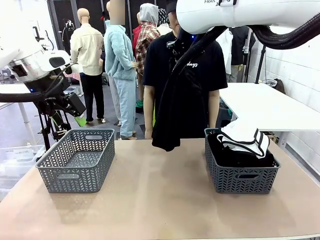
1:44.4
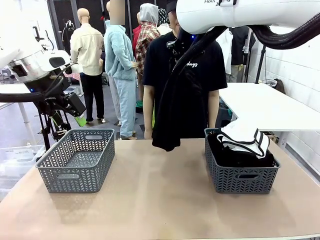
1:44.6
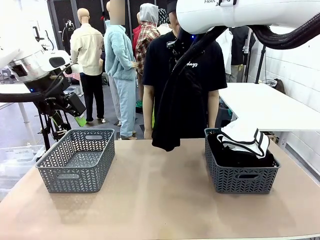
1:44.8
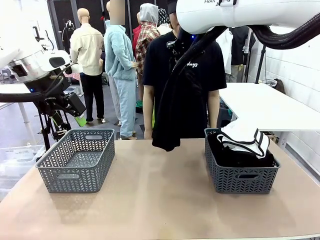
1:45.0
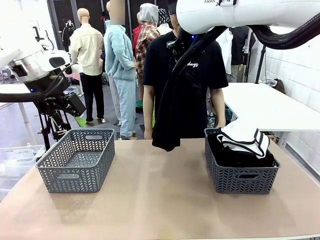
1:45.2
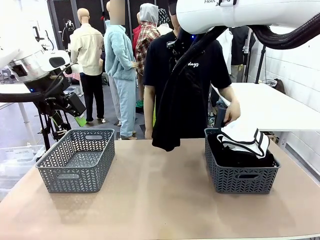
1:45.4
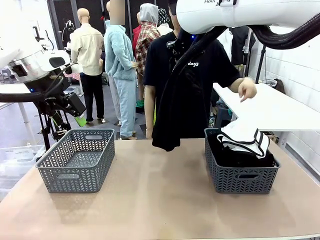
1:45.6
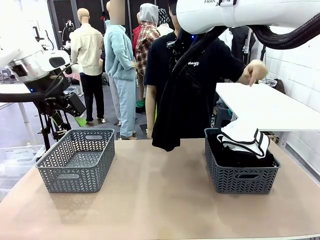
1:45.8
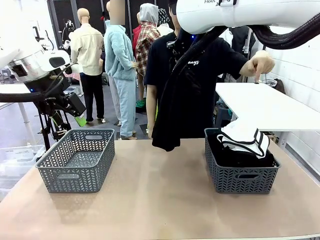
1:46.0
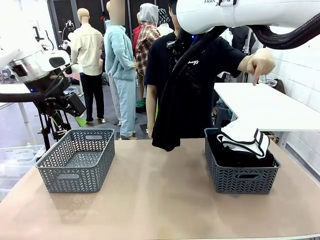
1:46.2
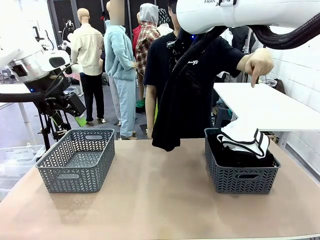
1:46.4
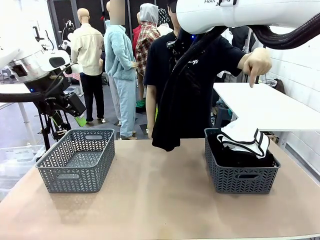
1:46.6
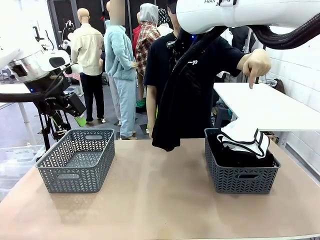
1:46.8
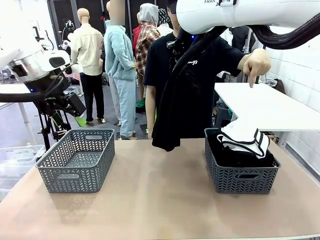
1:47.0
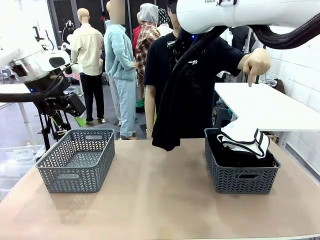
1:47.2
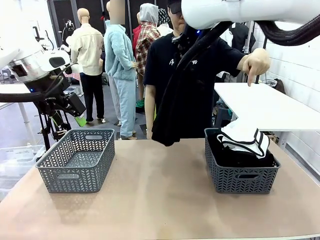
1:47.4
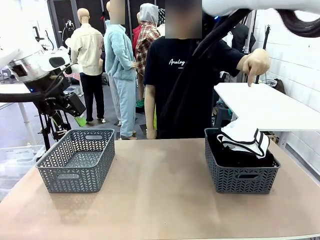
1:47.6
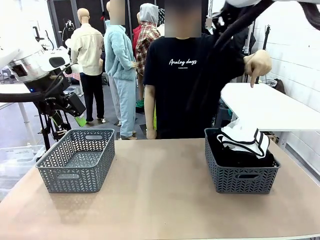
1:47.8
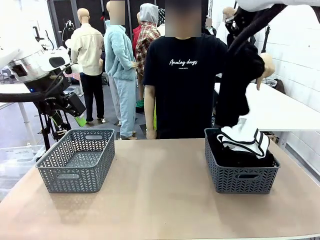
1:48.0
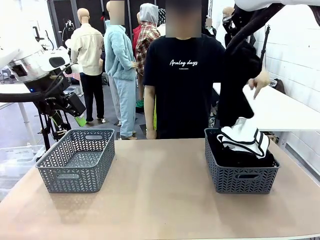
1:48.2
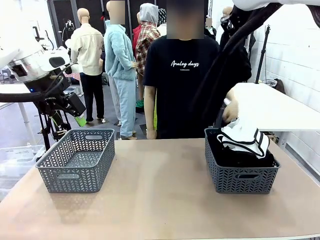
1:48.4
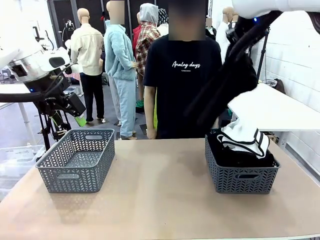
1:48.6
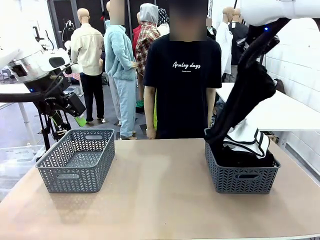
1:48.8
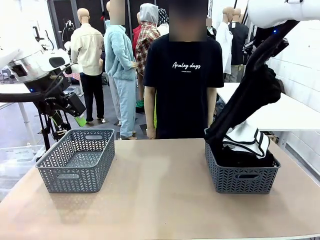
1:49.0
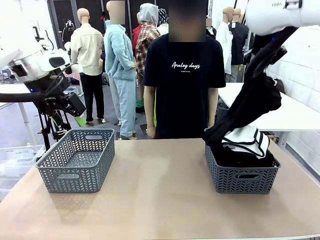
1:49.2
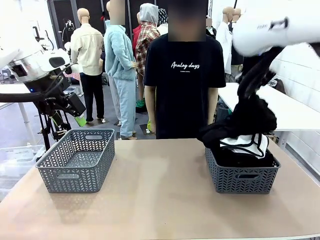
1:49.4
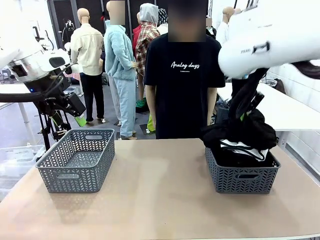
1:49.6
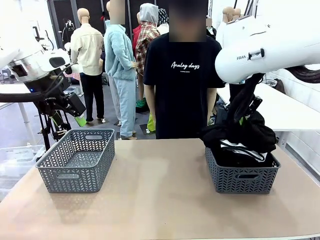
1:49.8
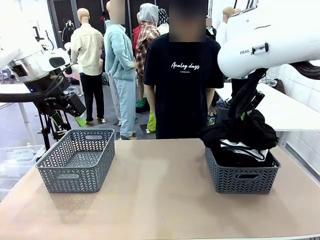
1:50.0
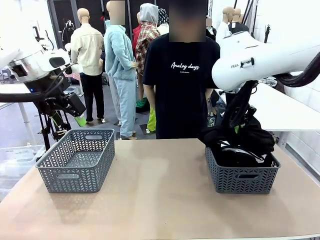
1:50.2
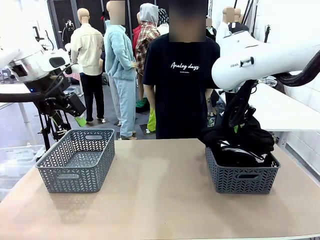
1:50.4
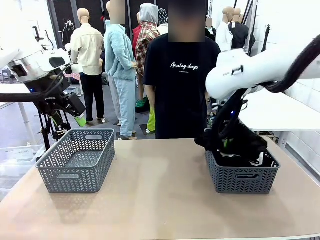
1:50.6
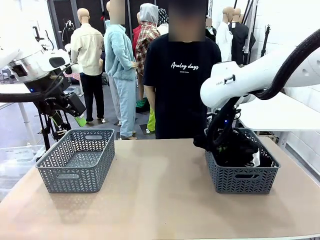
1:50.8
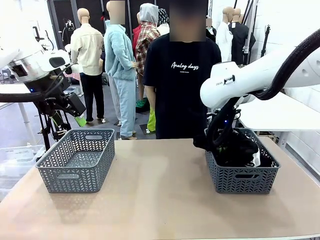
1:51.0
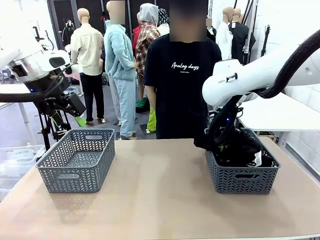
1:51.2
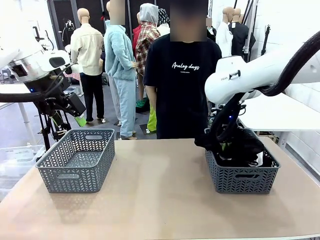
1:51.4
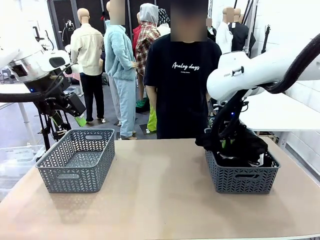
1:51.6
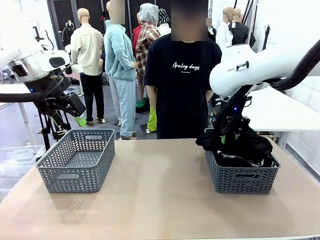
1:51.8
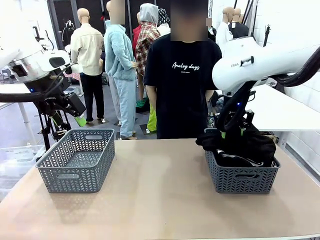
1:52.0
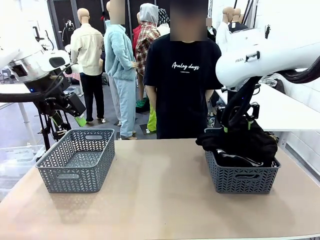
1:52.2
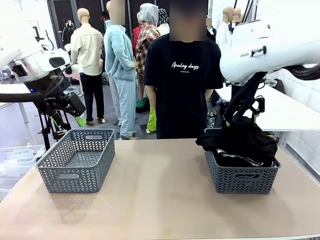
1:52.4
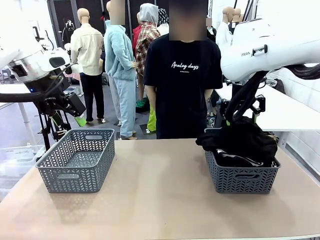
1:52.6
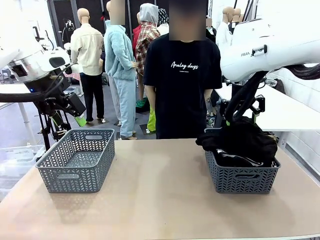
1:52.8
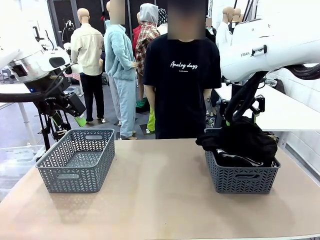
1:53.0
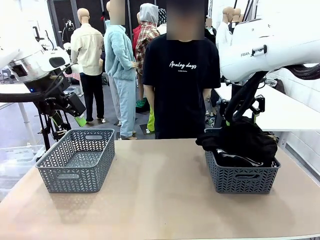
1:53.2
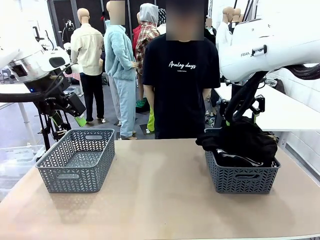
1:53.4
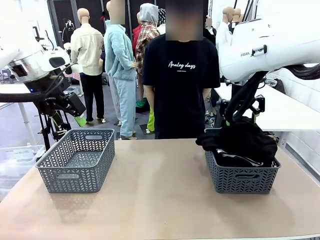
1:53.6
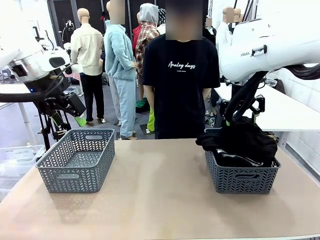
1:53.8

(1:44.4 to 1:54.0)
Task: Sort the tops and bottoms.
Robot: Sort the clothes according to human instructions.

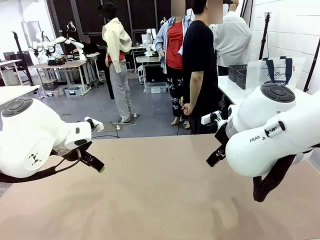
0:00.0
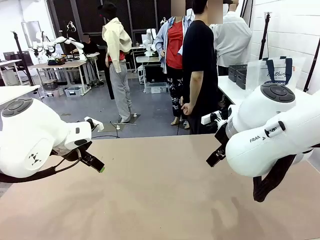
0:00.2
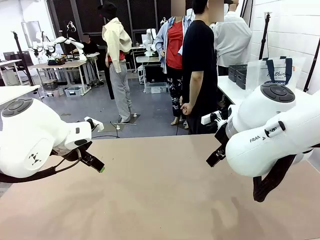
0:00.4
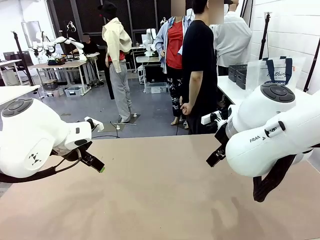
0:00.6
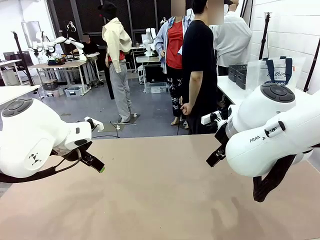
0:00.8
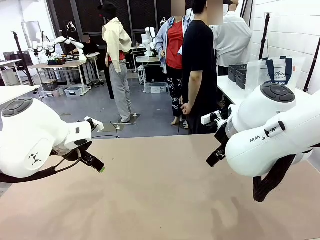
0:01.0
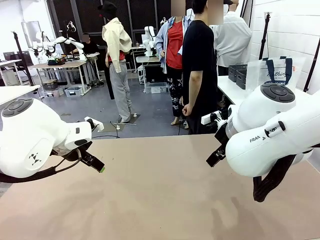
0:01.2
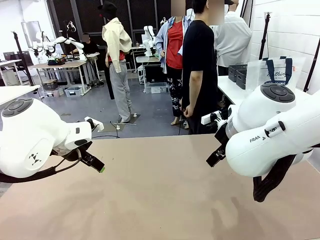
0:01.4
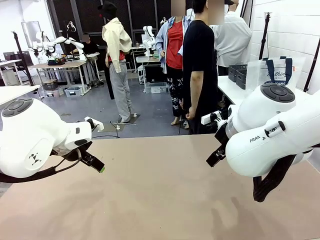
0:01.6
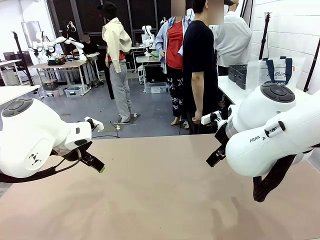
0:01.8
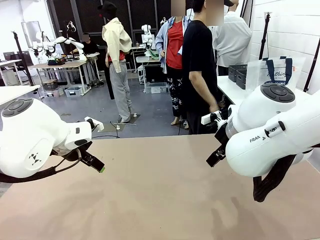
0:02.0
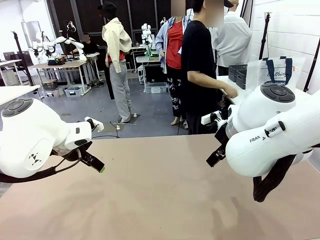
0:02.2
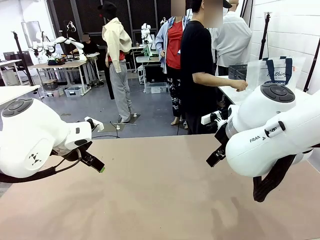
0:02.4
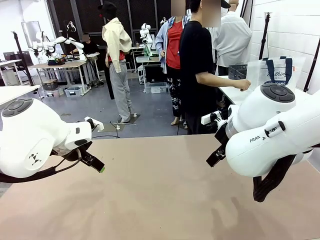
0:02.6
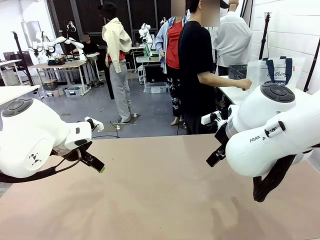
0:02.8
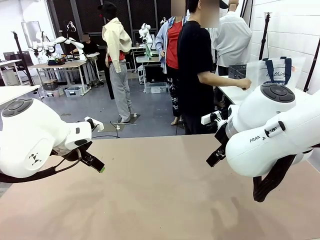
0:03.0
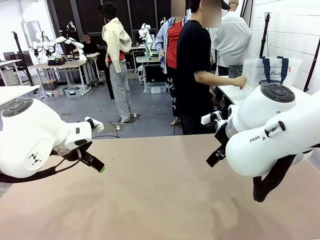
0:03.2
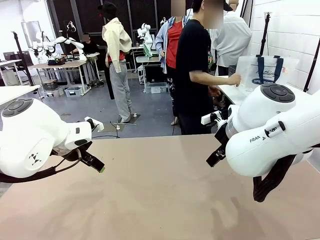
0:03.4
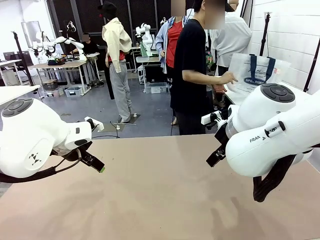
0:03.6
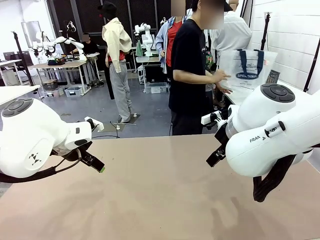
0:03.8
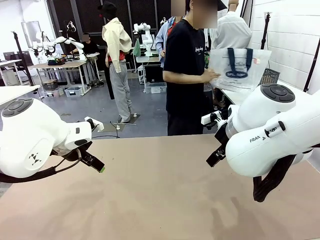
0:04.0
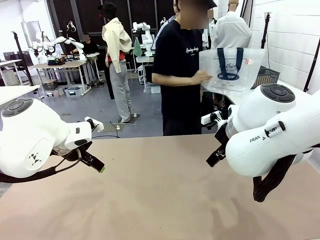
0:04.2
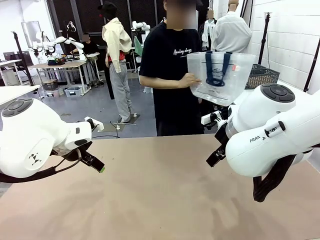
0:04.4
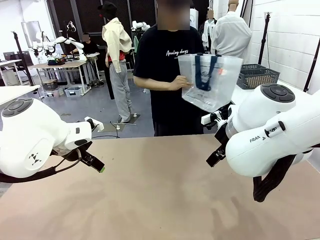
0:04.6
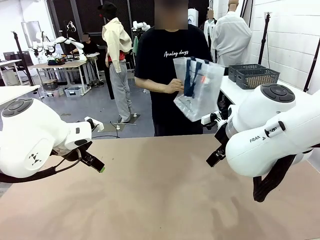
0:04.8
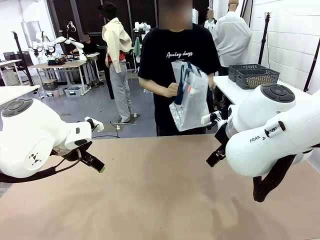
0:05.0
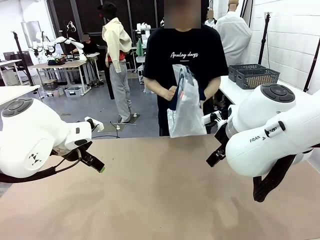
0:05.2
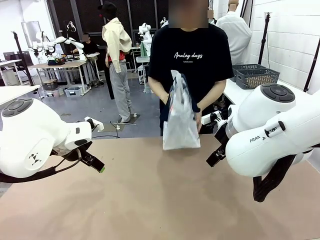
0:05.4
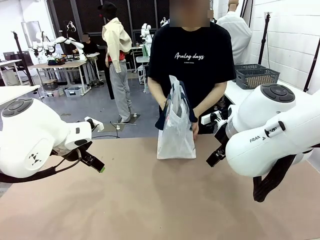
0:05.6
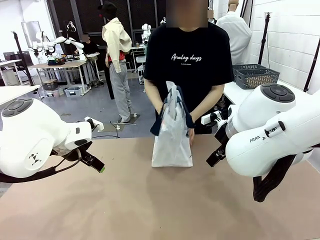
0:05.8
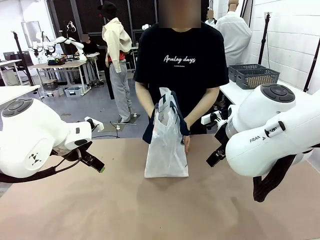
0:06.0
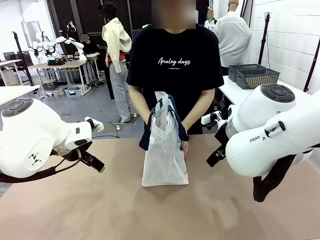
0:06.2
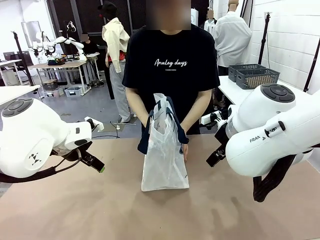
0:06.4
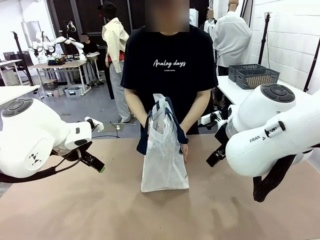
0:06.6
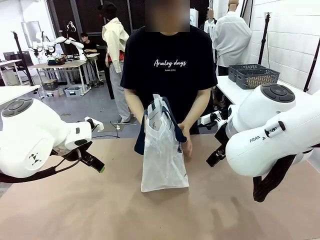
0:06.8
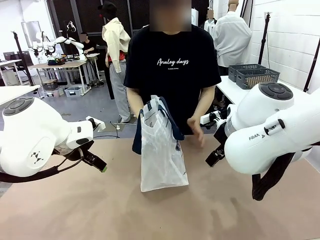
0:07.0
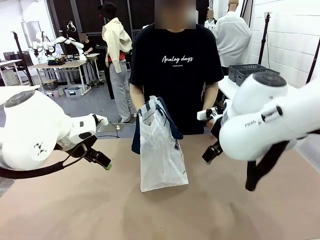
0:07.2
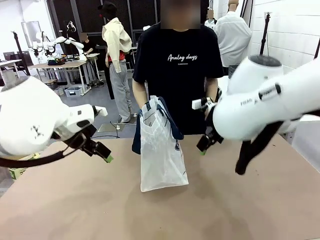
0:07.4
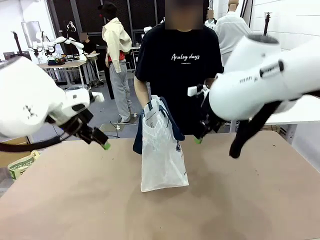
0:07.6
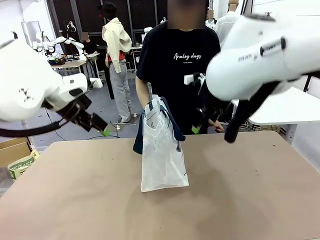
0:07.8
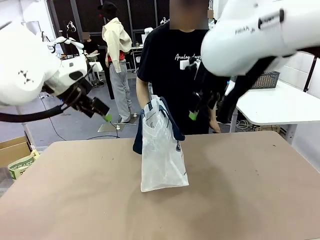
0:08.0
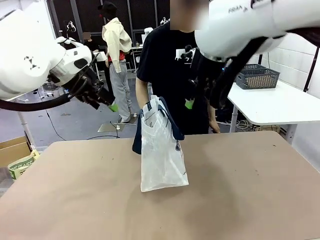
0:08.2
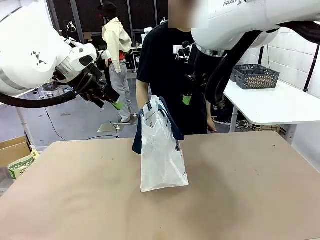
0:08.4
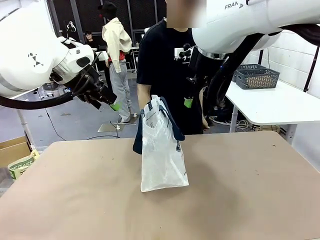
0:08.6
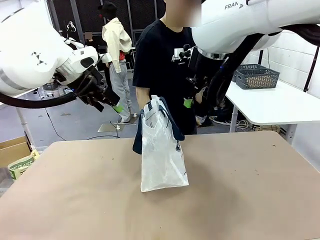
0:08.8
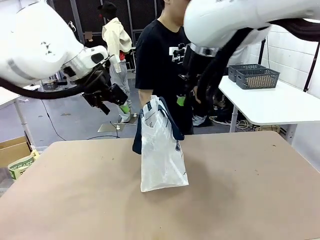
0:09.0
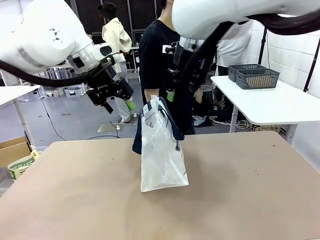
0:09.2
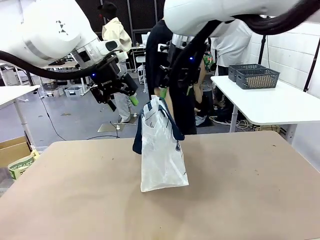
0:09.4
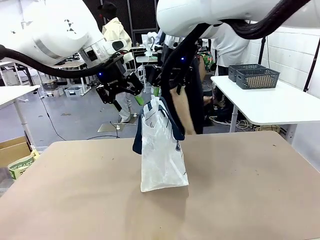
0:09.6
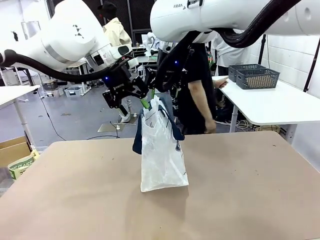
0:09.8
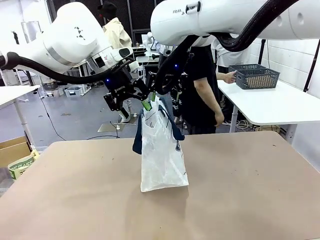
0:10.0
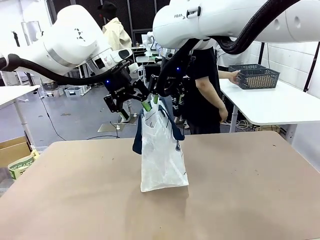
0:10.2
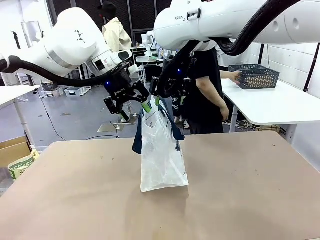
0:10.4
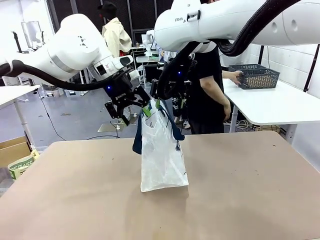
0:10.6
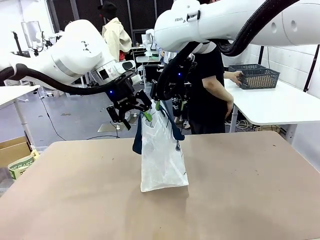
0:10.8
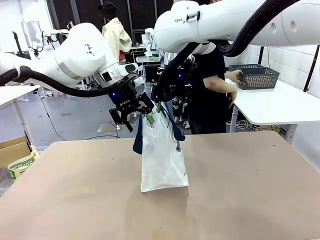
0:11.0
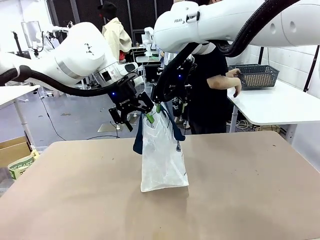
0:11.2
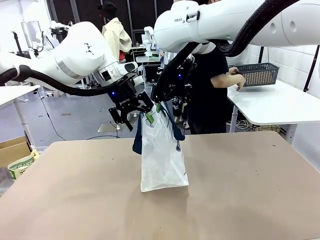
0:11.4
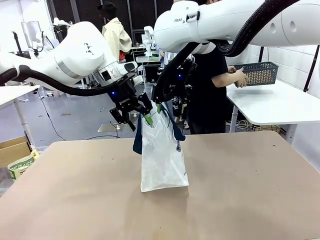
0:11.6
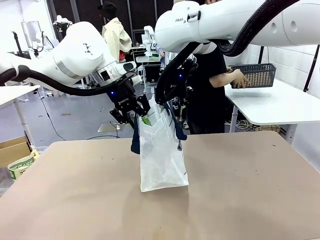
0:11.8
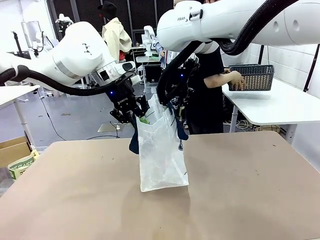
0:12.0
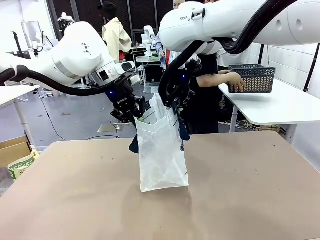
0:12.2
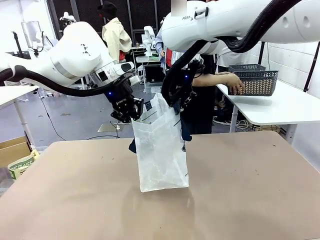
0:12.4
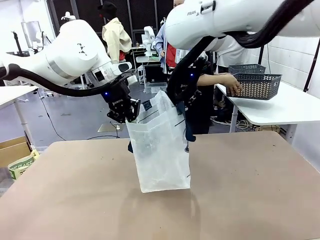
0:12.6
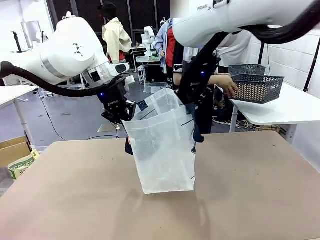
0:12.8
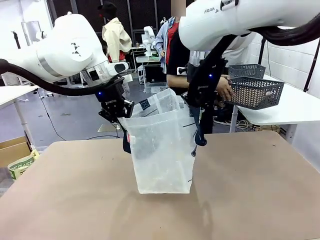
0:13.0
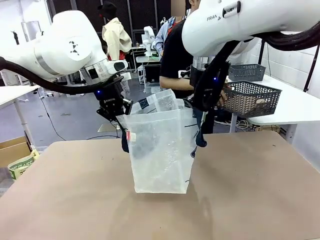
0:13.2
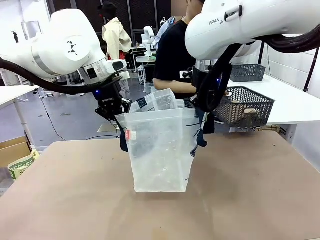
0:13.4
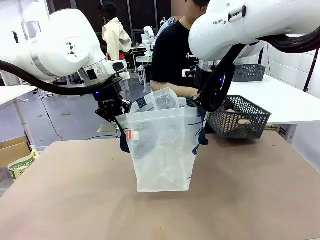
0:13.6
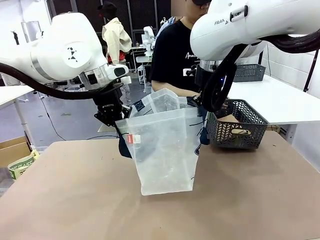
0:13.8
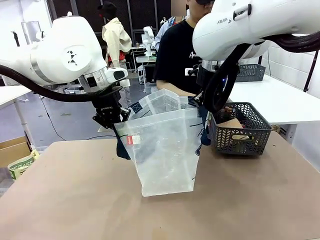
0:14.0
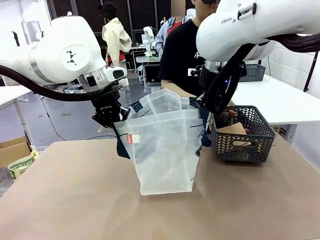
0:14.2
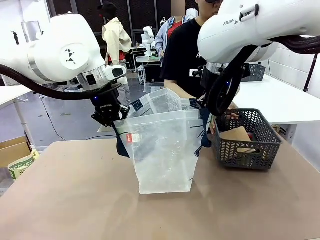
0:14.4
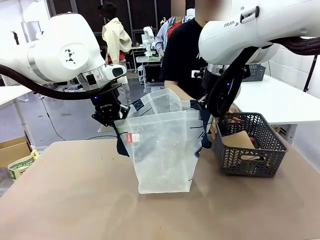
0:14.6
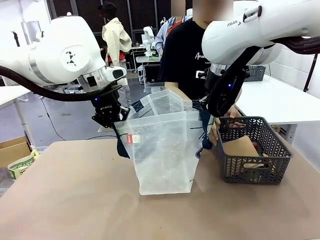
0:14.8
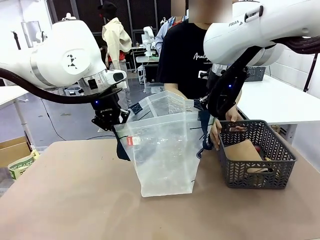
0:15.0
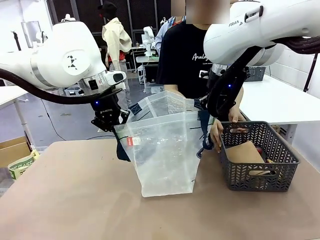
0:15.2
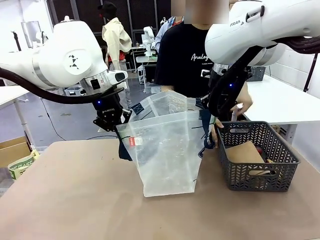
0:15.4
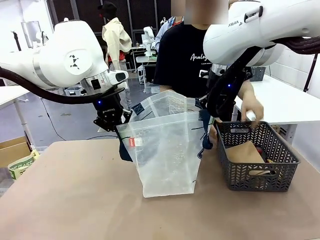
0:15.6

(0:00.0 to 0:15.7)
Task: Transfer purchased items from the store into the shopping bag.
Robot: Open the Reusable shopping bag in the center of the table.
Person: Pick up the shopping bag and place it in the middle of the robot table.
